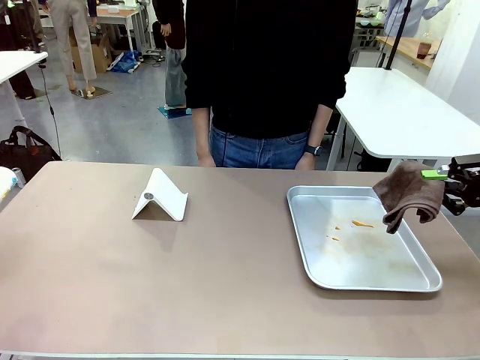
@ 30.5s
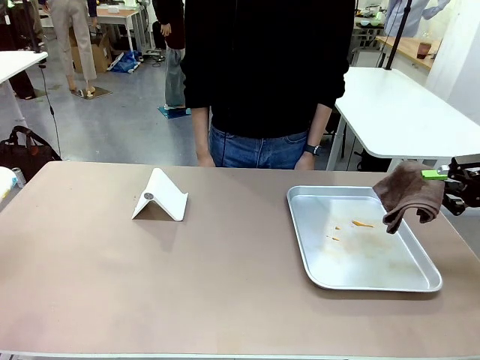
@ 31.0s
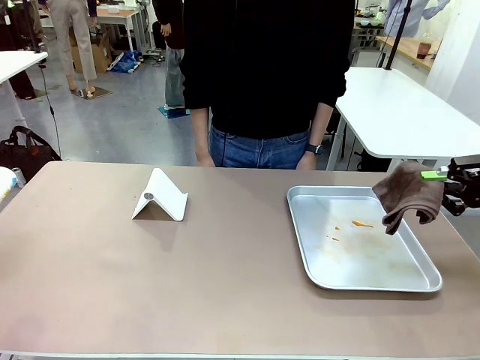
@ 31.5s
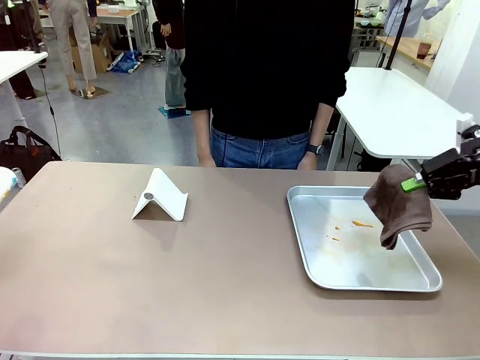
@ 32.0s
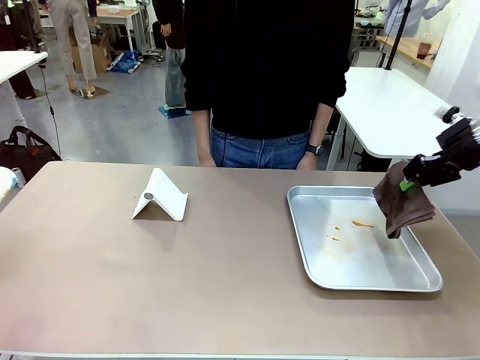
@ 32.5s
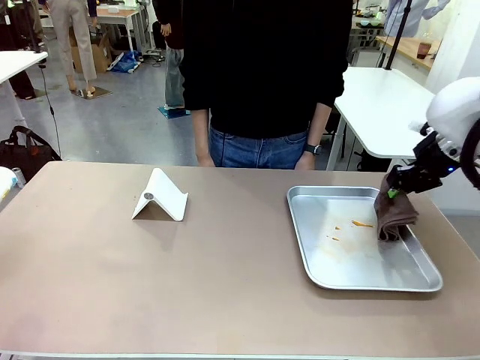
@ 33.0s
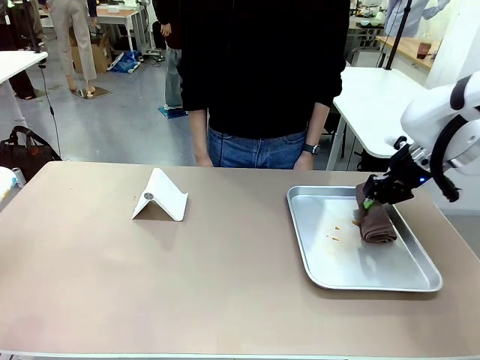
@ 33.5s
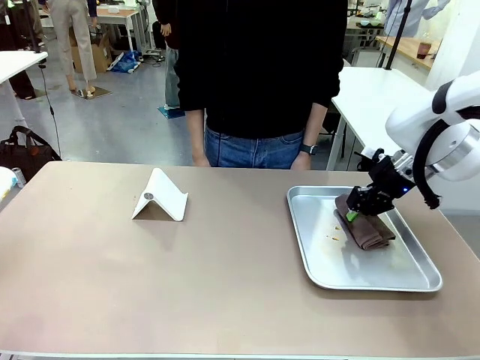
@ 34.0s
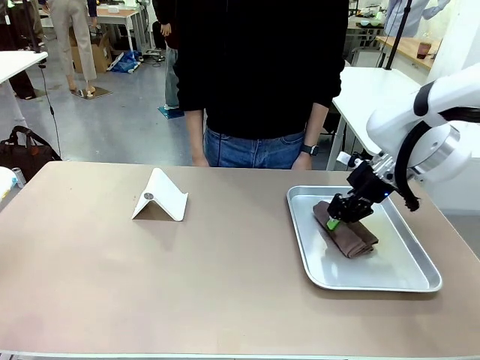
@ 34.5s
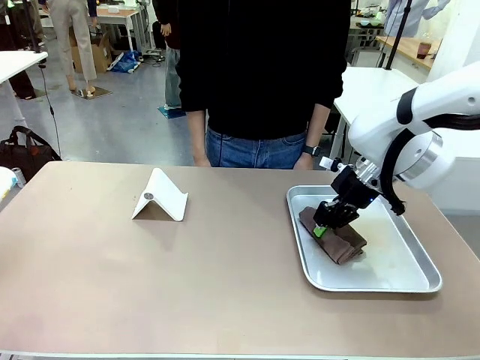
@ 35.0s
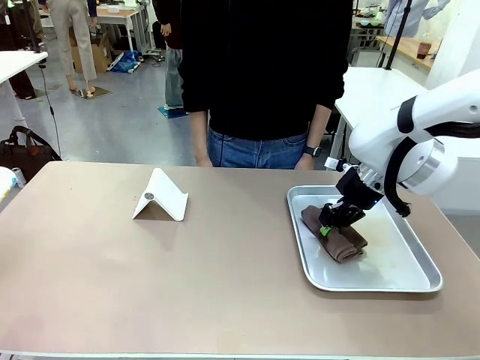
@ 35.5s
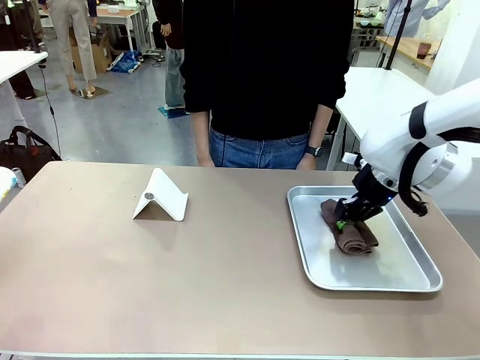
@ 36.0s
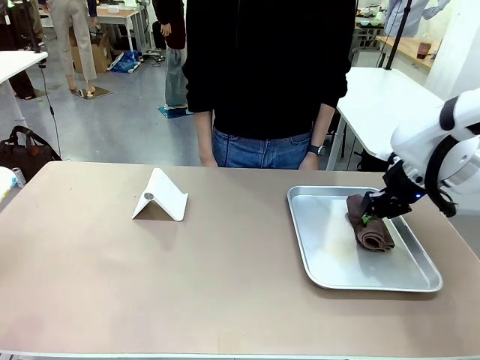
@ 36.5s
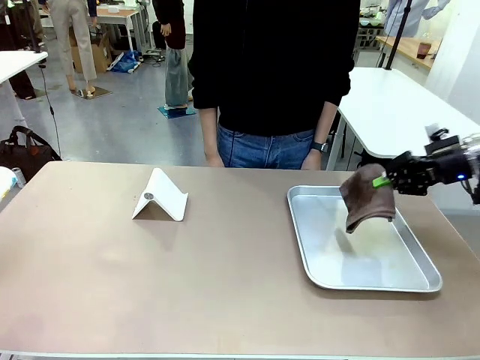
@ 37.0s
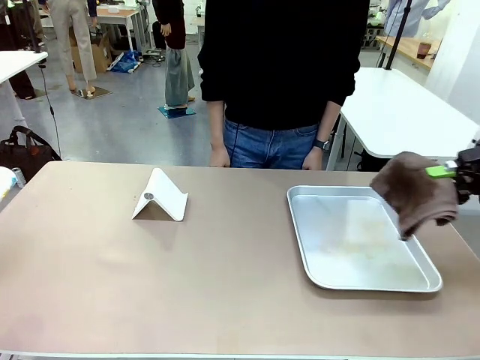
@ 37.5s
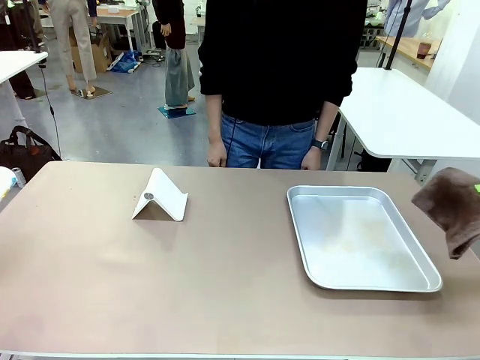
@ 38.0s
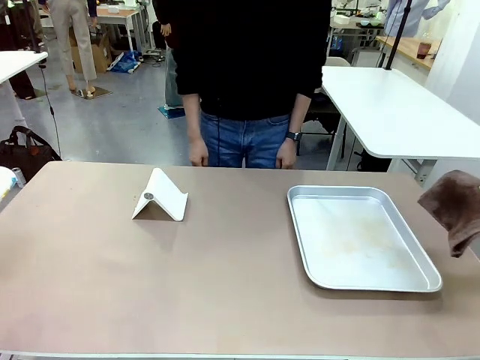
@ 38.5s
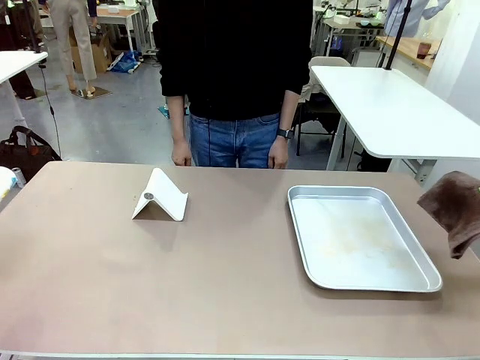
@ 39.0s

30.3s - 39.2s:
Task: Clean the surface of the table.
Robot: Clean the area not pointed to by the person.

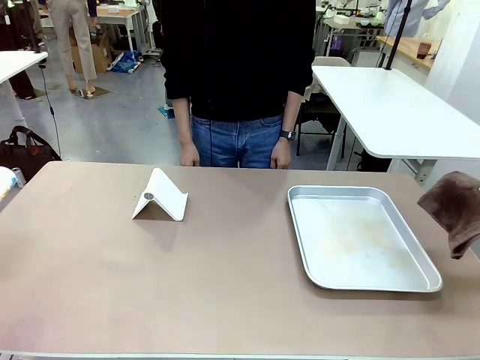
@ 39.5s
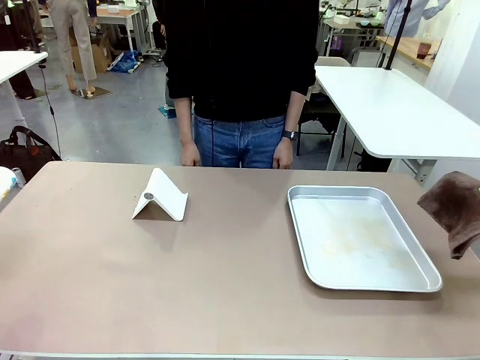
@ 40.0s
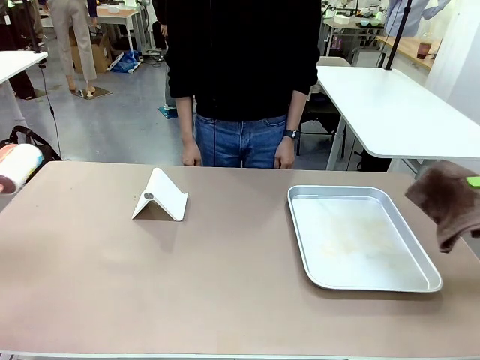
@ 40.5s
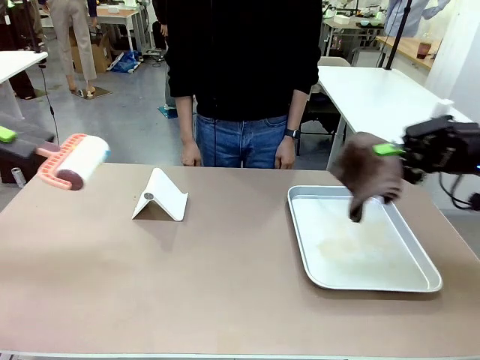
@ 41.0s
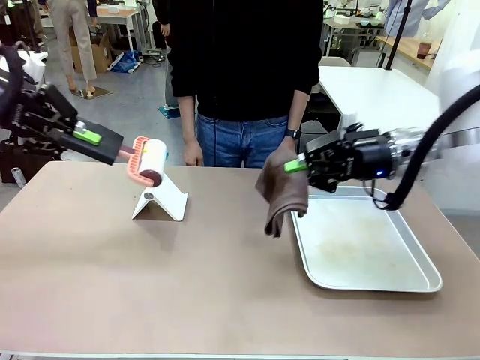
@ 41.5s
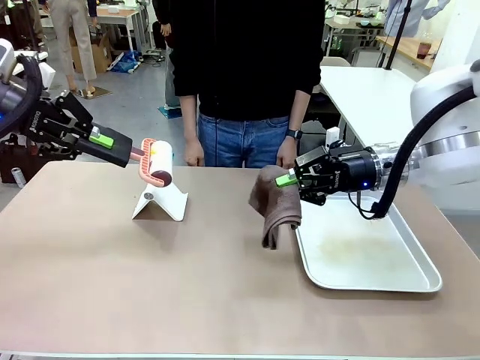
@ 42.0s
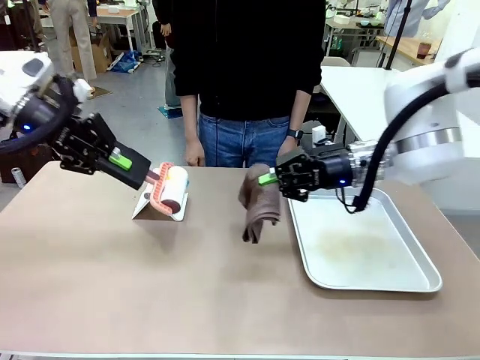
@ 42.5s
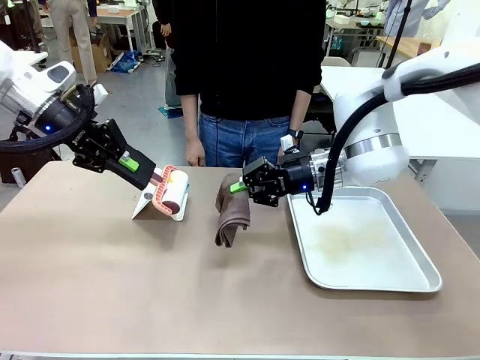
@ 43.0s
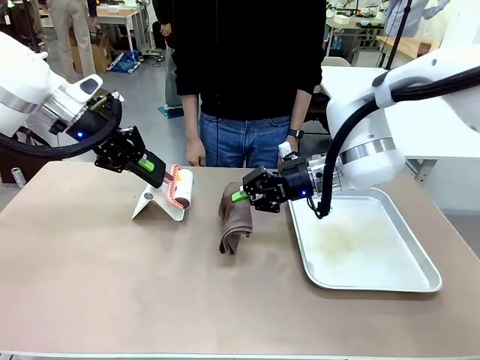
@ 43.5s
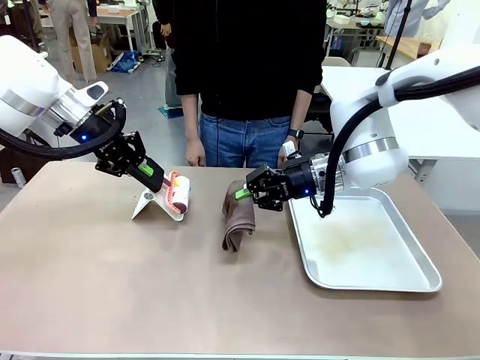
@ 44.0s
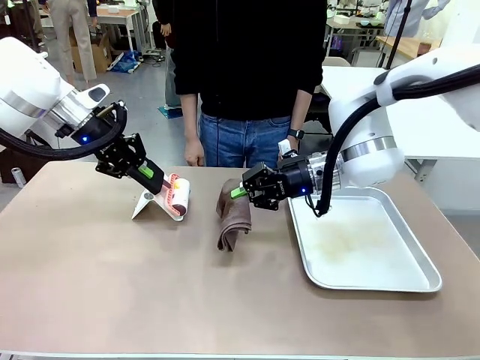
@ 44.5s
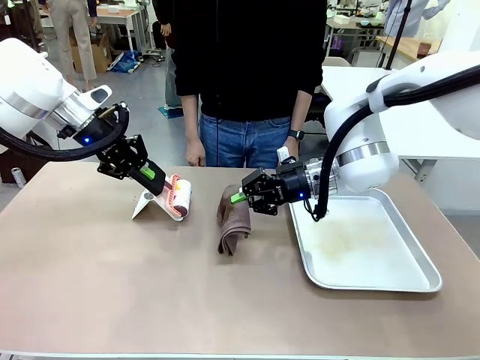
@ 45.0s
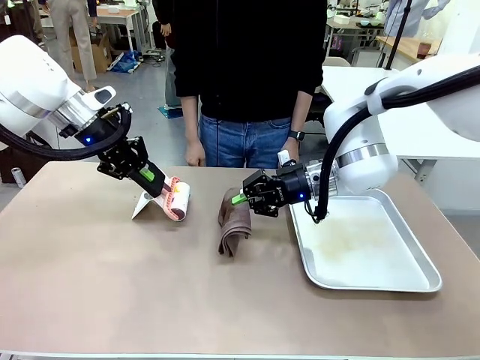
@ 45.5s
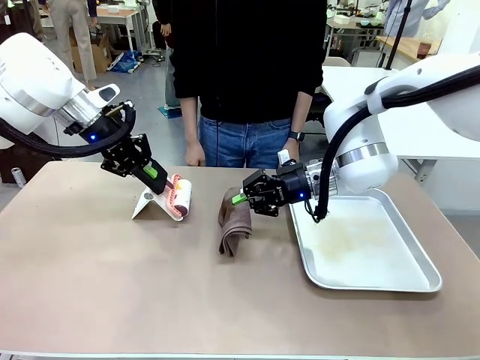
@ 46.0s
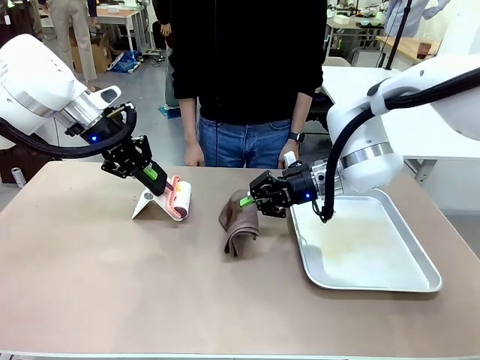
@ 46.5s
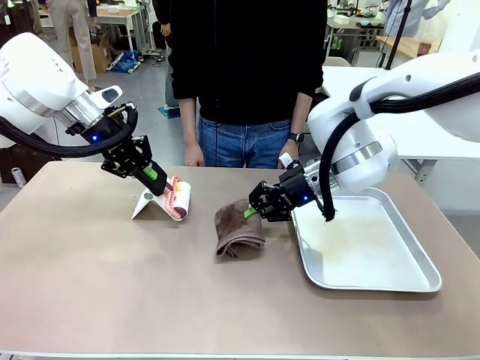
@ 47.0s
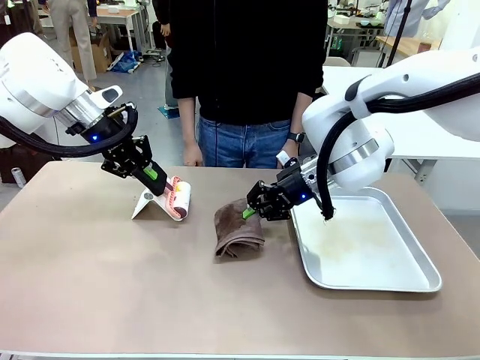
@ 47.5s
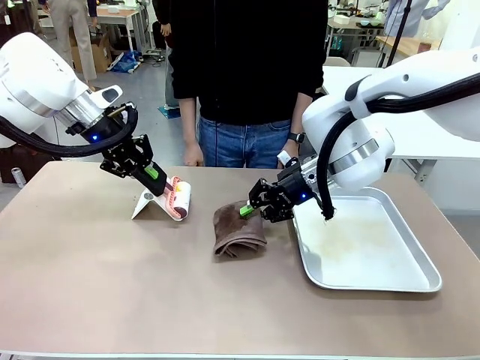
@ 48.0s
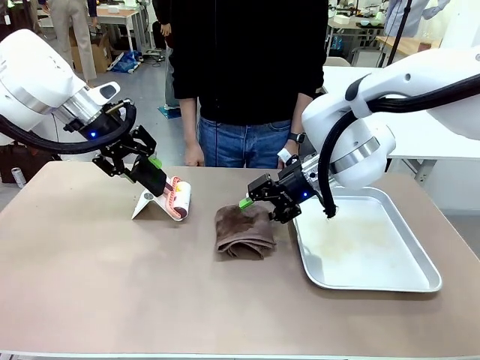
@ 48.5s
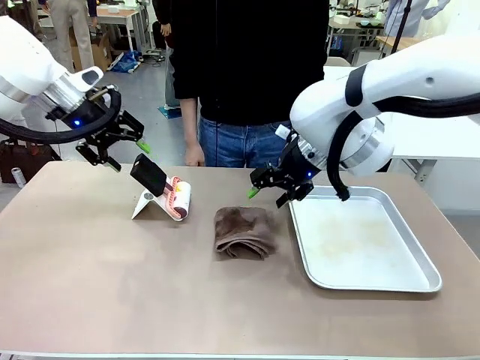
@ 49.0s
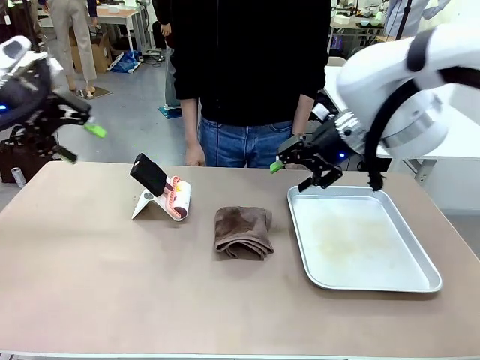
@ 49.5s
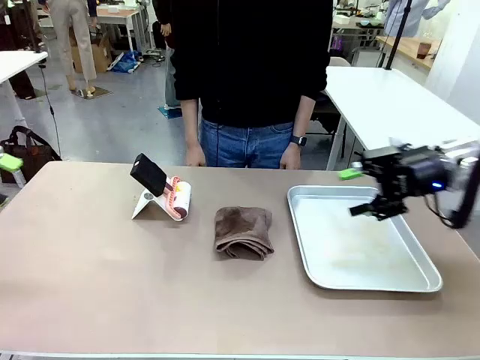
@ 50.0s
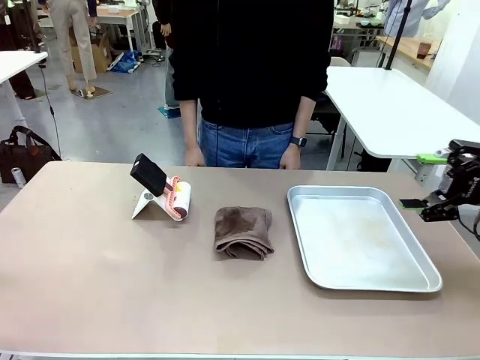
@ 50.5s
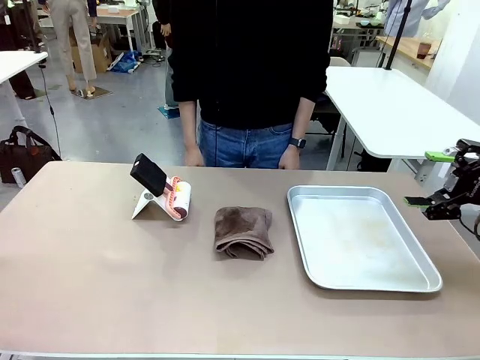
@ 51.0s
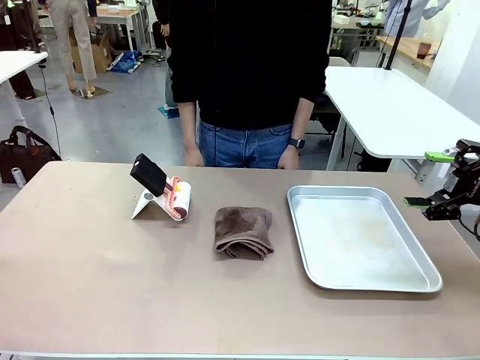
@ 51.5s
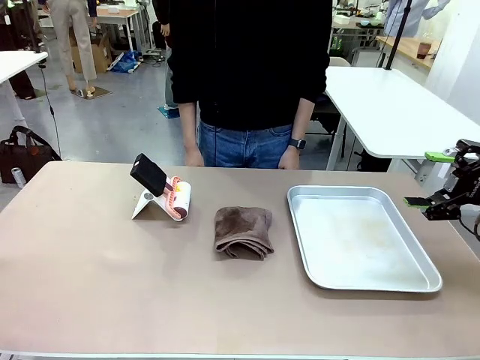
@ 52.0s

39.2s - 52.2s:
Robot: Return the Lint Roller and towel to their original positions.

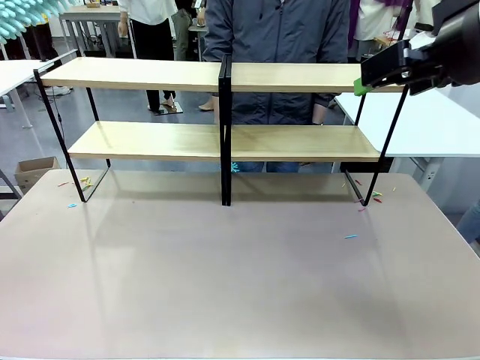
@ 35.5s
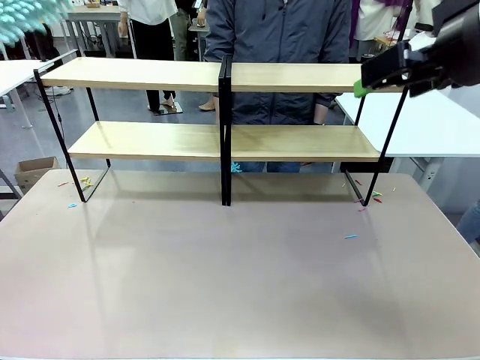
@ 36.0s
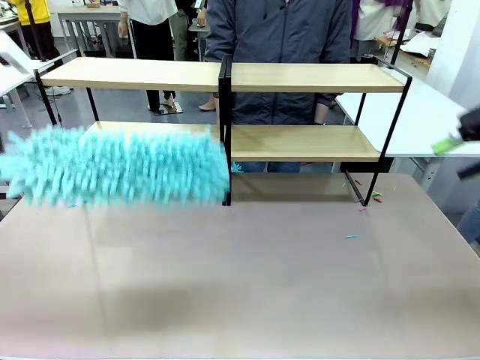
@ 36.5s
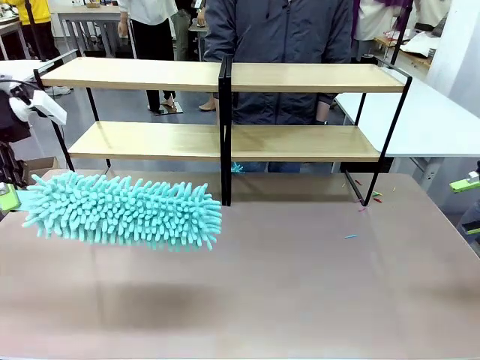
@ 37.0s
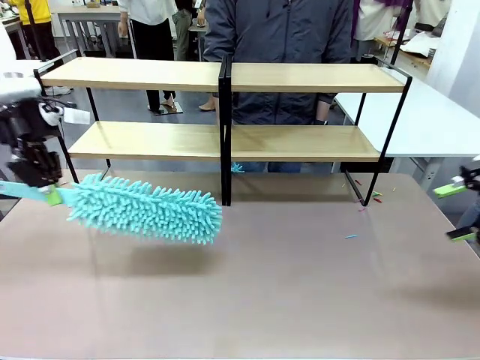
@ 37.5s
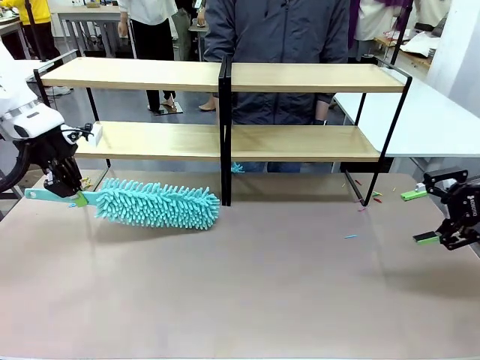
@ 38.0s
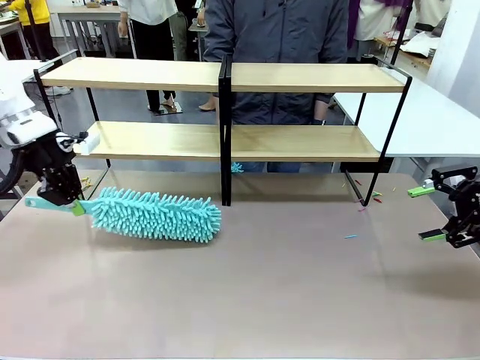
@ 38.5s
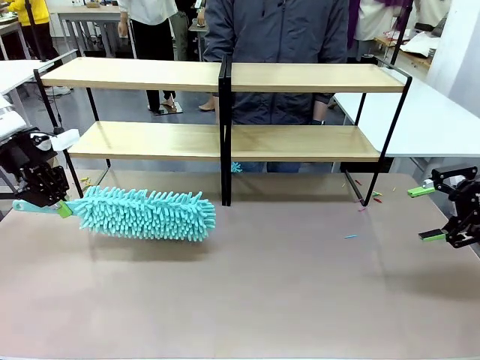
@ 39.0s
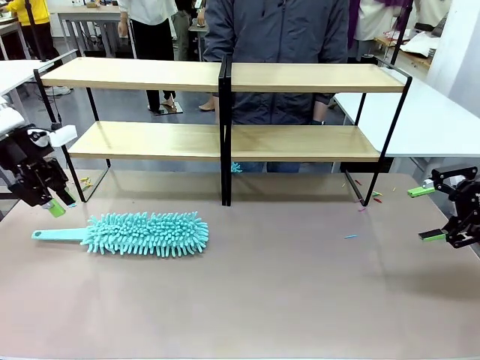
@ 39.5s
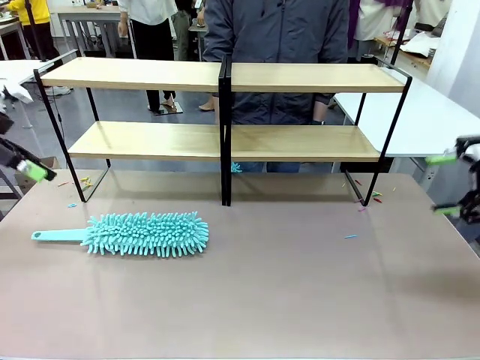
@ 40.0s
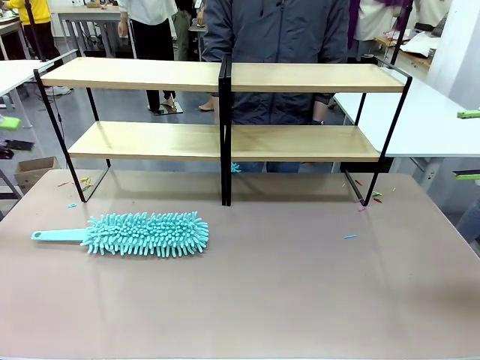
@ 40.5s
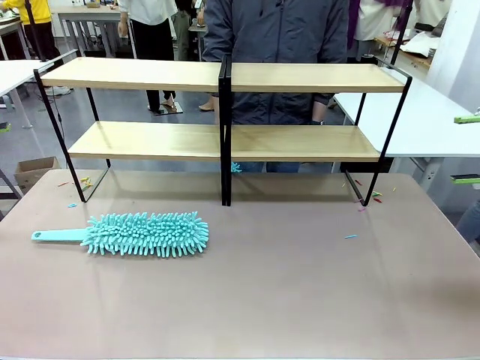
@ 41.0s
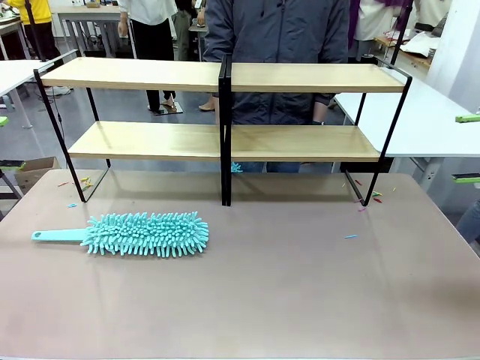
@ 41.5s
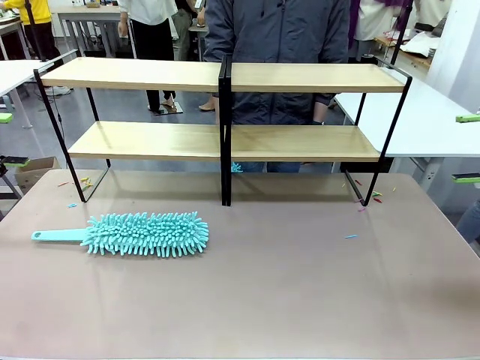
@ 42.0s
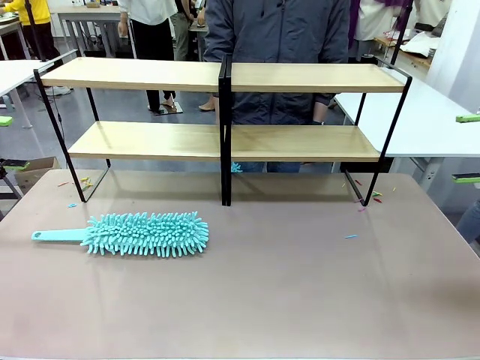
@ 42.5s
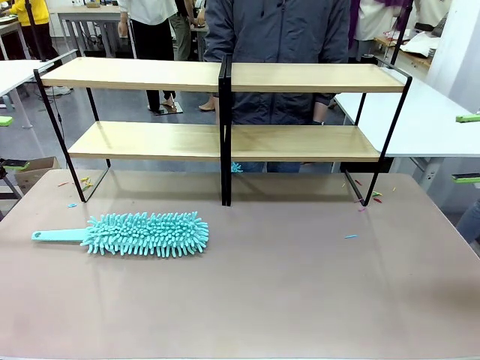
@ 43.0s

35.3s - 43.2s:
Task: Clean the shelves.
Robot: Place the Duster on the table.
